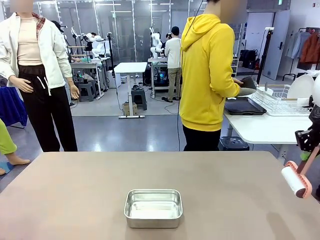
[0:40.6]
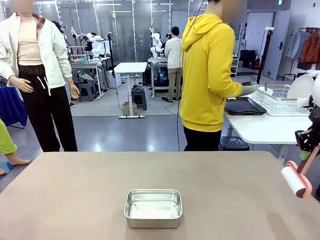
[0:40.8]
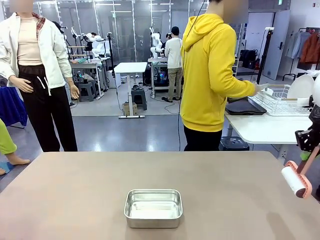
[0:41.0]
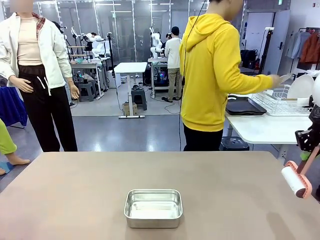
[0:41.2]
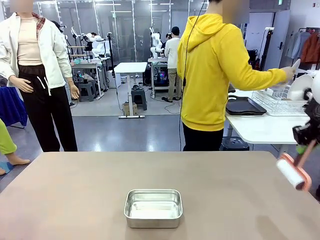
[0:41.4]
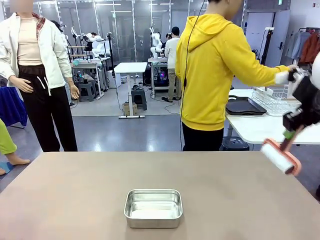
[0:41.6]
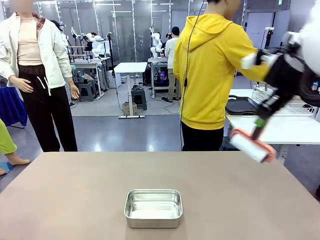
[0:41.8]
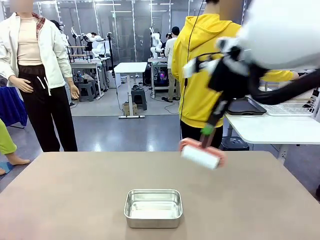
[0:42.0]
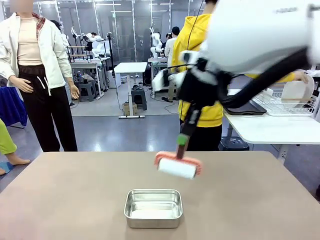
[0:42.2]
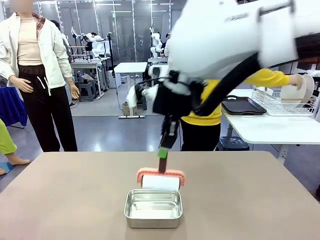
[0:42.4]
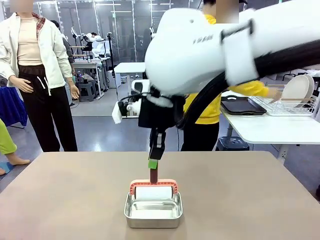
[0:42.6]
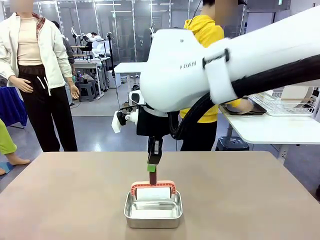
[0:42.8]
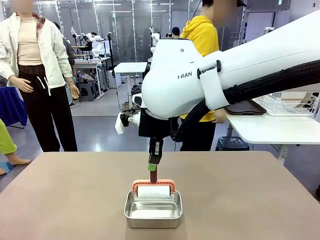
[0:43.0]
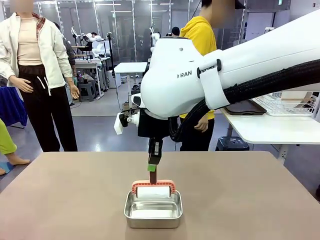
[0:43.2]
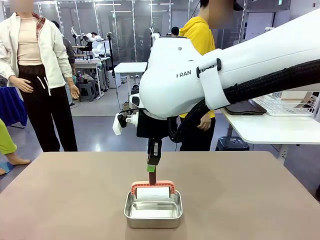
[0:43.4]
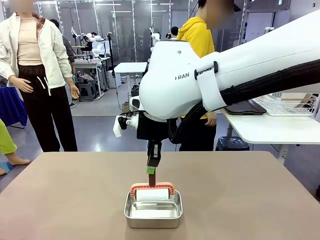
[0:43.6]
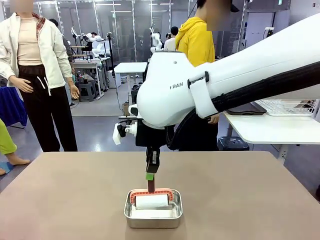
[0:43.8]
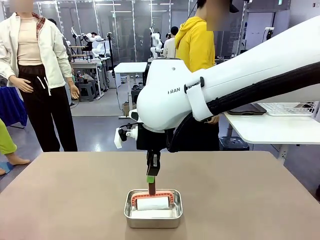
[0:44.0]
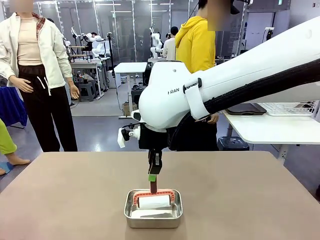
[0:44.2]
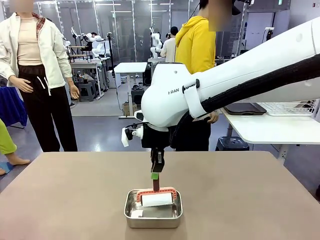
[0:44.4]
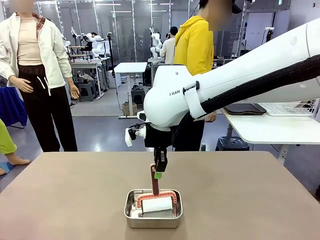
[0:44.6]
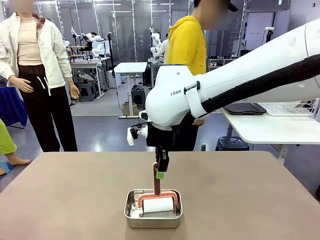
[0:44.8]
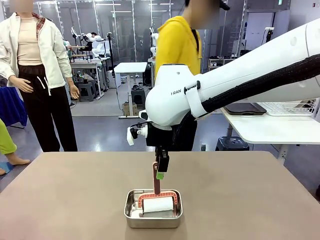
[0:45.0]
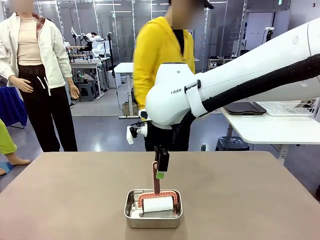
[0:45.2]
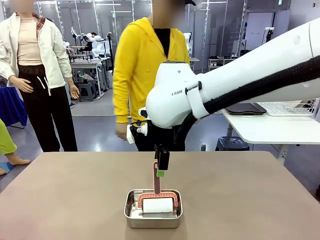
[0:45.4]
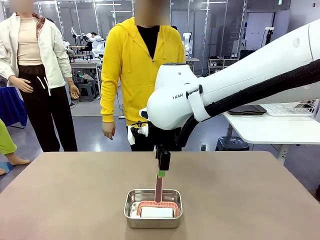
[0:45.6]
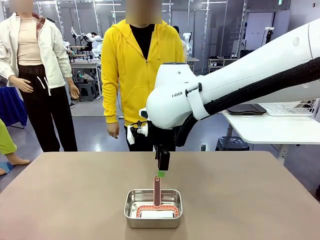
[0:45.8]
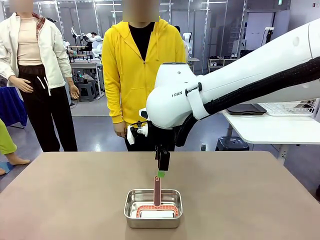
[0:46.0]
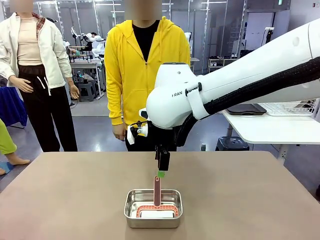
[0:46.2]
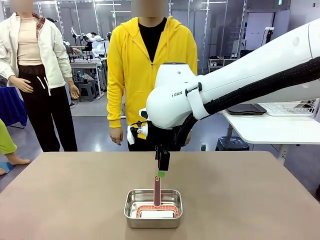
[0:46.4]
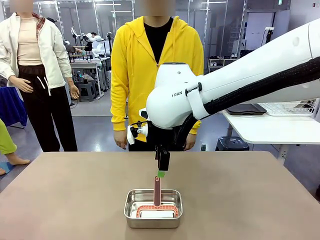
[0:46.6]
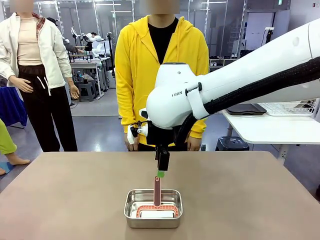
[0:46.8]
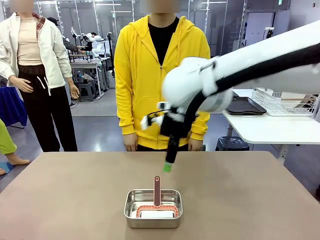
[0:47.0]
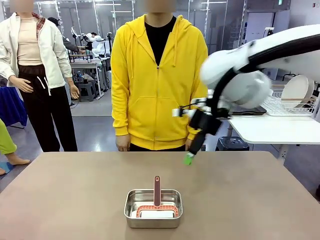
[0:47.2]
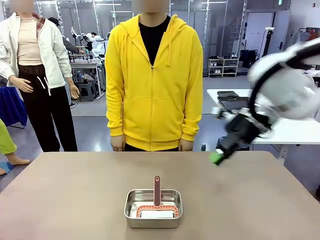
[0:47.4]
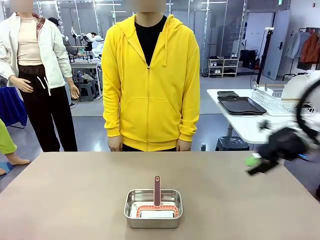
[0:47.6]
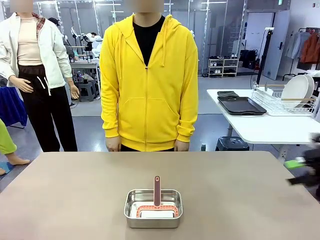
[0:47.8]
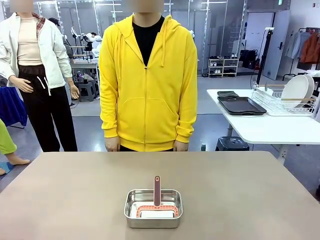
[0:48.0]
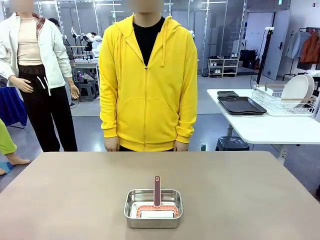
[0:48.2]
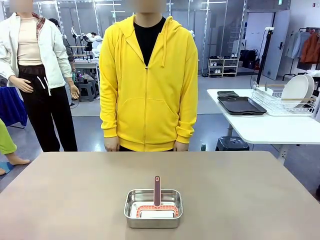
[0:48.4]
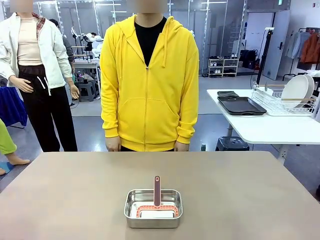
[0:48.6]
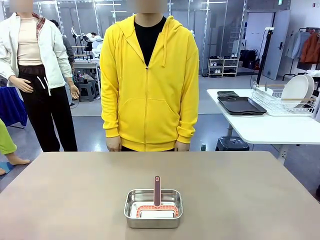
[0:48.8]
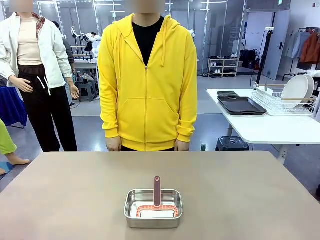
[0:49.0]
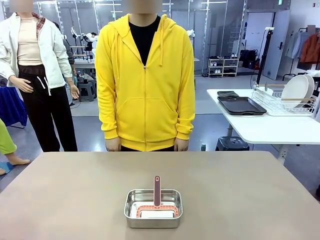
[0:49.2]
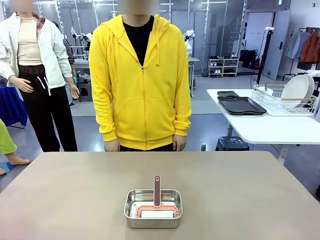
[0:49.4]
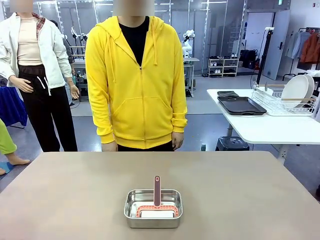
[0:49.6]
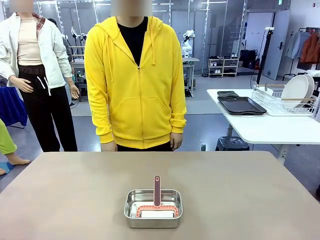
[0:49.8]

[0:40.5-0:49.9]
Robot: Place the Lint Roller back on top of the Airtight Container.
Person: Use the Towel with hook to wipe the Plastic Matte Plate , Fork , and Knife and place into the Dish drying rack.

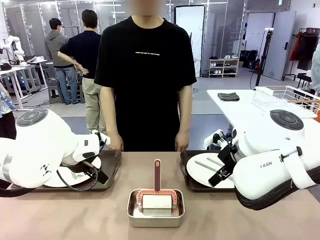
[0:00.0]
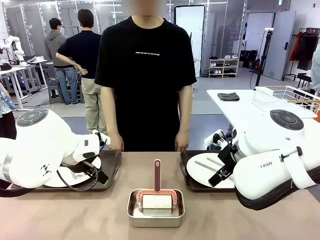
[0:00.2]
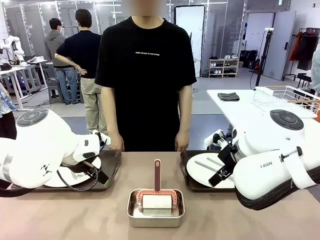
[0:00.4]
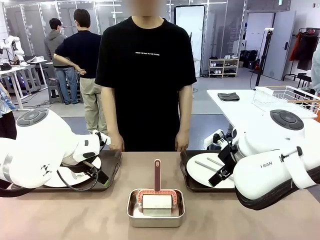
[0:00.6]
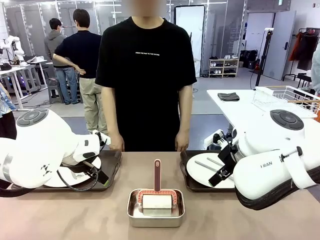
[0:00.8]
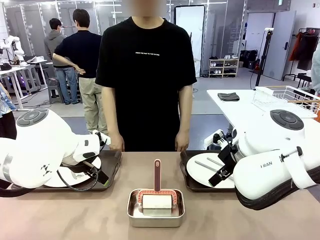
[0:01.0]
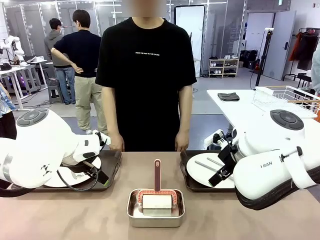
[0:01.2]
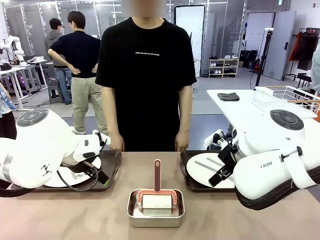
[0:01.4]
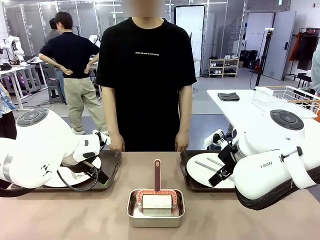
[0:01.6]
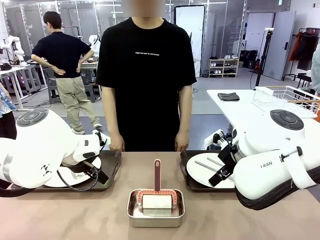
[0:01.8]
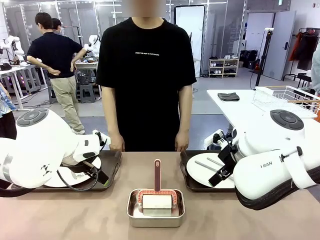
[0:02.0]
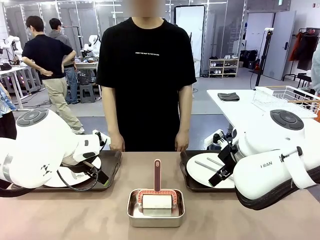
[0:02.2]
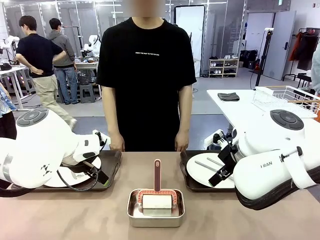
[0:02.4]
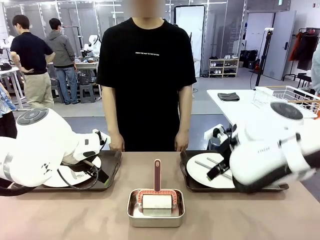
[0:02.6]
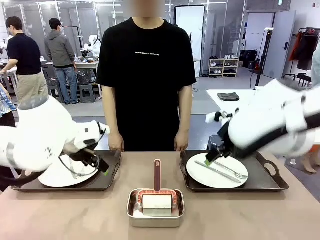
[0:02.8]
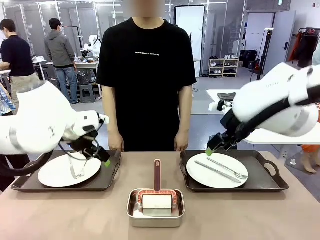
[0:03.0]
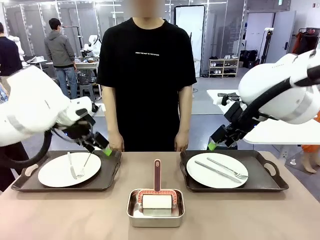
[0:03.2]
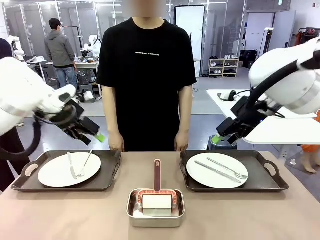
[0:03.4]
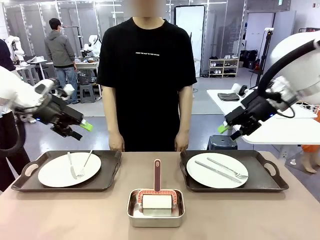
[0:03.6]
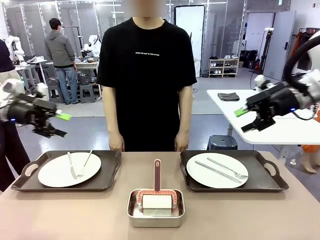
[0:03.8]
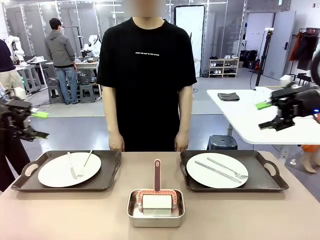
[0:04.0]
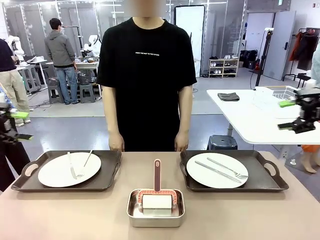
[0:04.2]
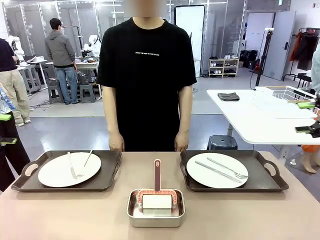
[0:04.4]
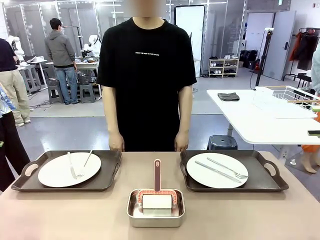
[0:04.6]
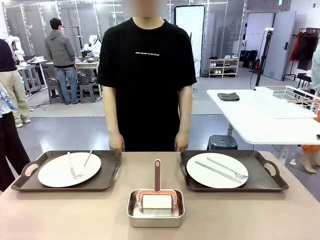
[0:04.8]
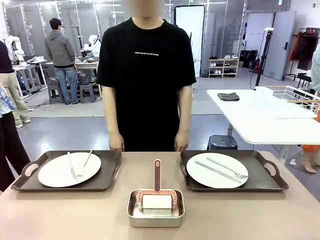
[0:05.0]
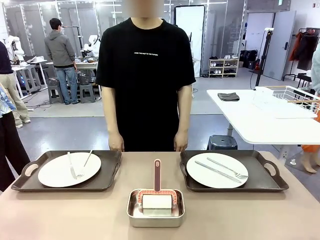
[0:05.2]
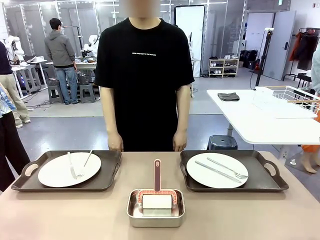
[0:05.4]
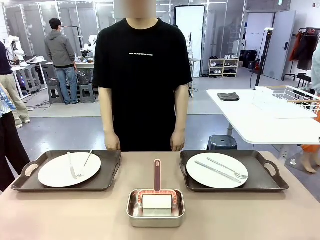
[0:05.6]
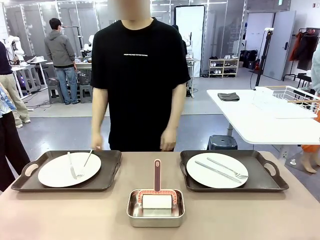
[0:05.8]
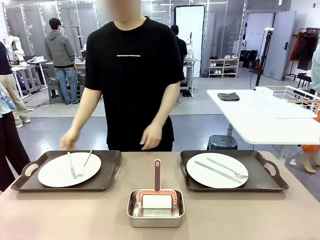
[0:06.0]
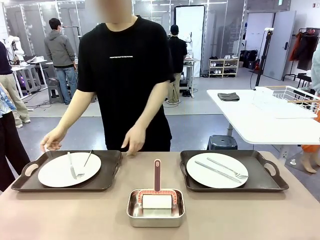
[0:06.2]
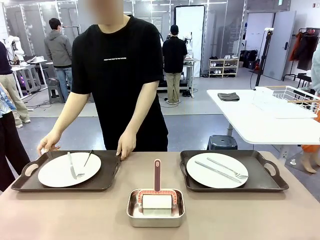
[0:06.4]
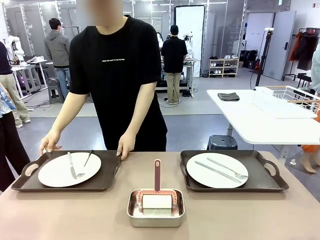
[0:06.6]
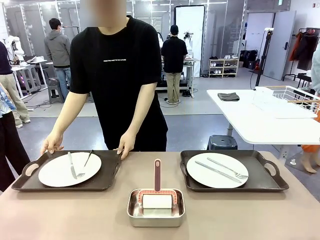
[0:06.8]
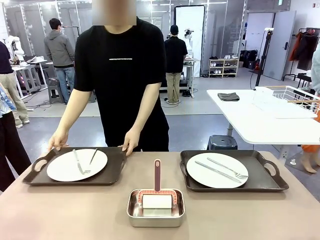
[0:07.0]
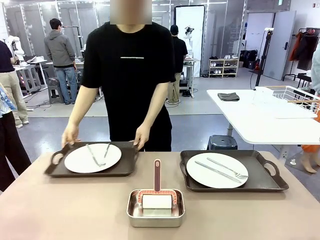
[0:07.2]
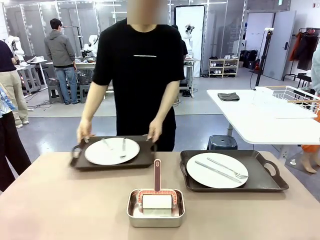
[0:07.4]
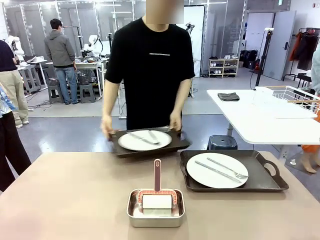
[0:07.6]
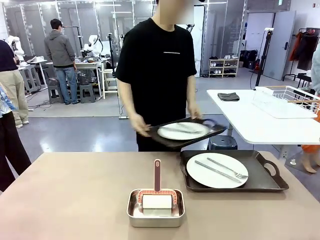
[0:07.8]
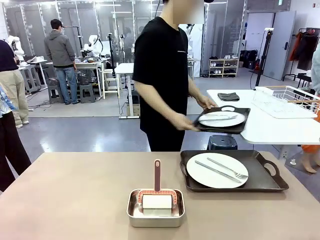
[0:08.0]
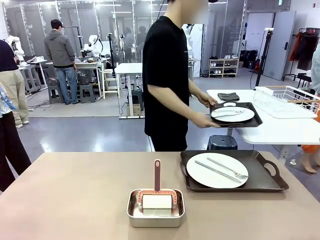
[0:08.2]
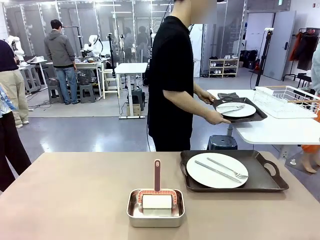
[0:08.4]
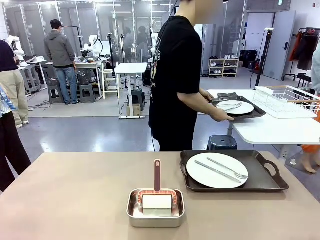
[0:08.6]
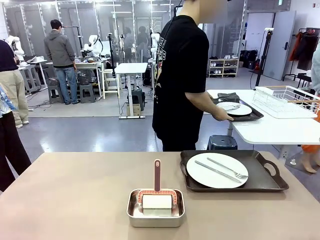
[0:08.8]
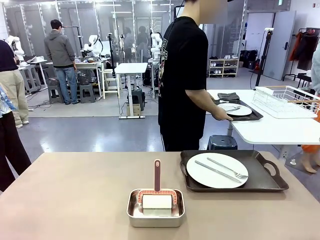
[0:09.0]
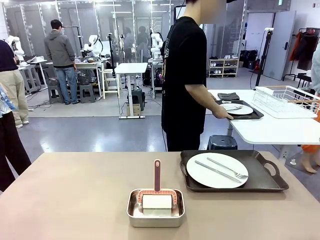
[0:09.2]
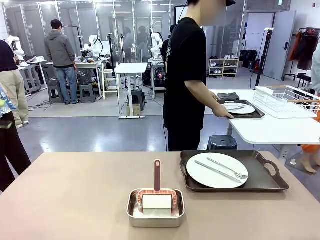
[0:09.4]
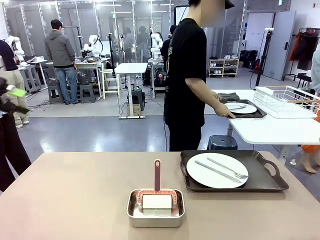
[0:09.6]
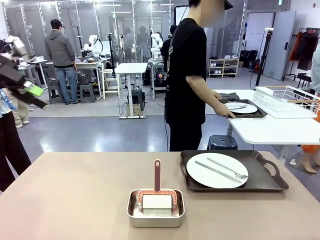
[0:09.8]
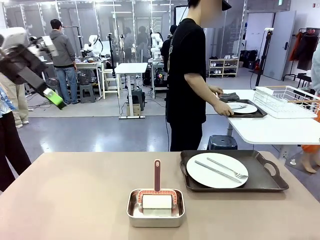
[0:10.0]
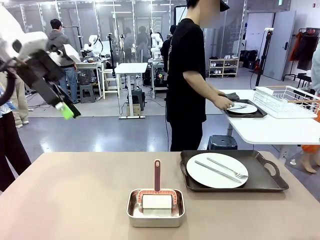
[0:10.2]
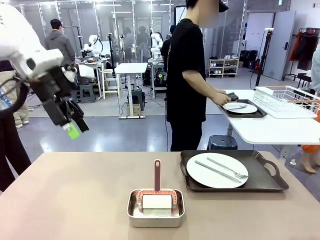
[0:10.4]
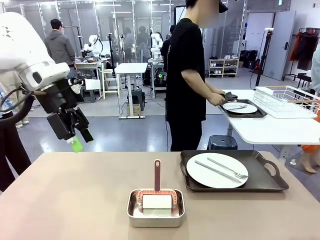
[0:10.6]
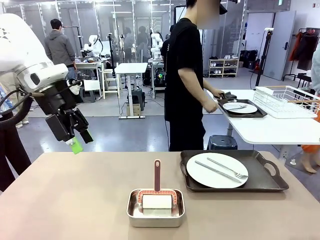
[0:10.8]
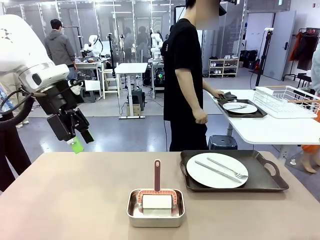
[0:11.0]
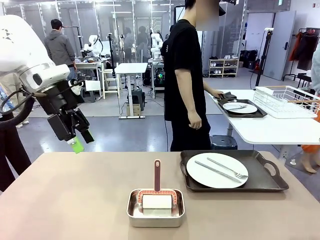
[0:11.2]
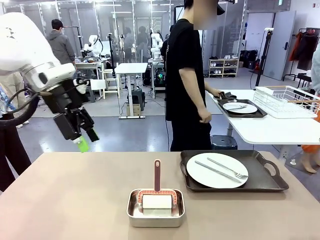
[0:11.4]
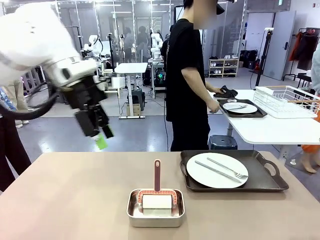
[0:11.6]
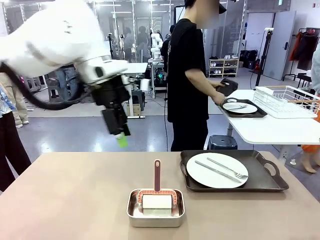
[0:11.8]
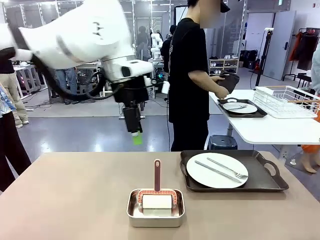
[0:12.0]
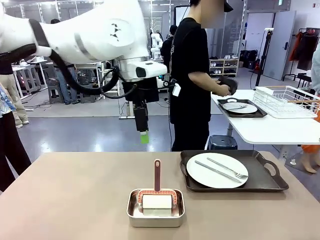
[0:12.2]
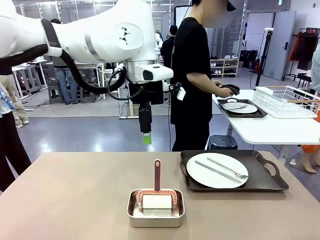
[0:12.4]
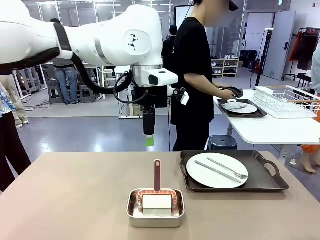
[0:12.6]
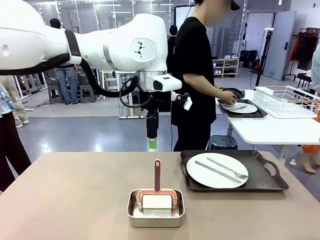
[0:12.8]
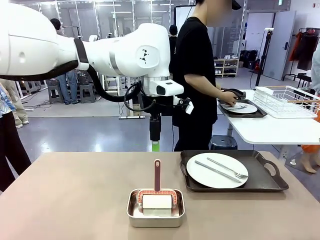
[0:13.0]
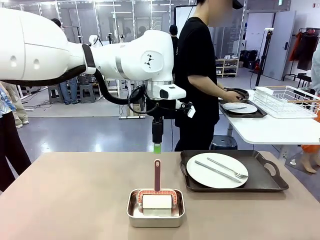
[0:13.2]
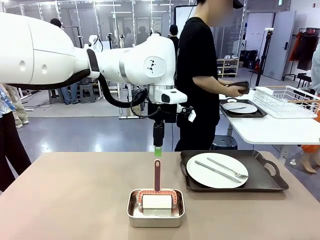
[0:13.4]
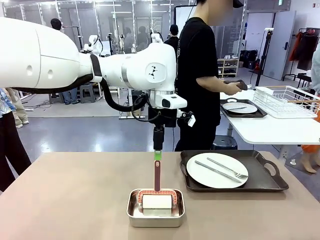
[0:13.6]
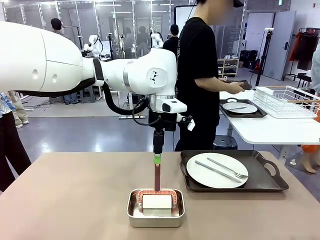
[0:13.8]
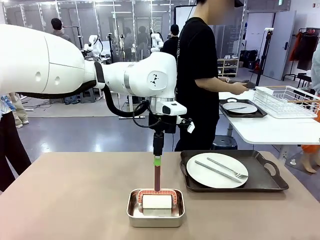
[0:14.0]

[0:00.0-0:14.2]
Robot: When the left (or right) Handle tray is removed, use the left hand (or right hand) to clean the left (or right) side of the table with the Lint Roller.
Person: Pick up the left (or right) Handle tray and place it on the middle of the Human's table.
